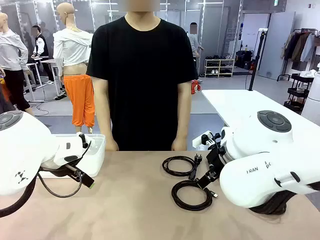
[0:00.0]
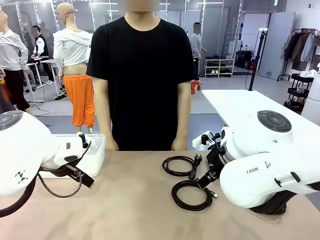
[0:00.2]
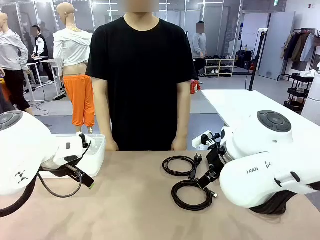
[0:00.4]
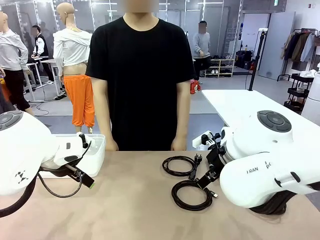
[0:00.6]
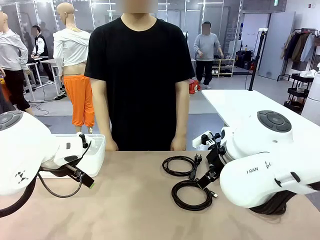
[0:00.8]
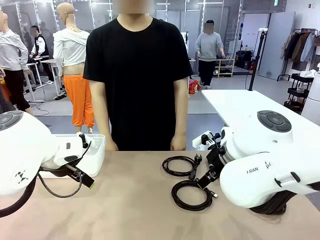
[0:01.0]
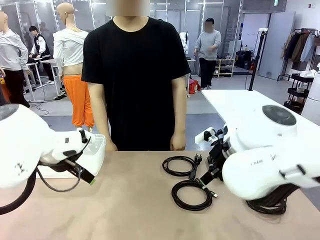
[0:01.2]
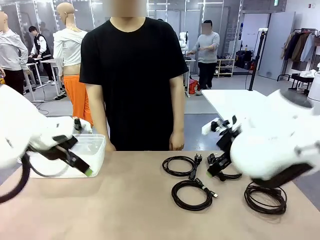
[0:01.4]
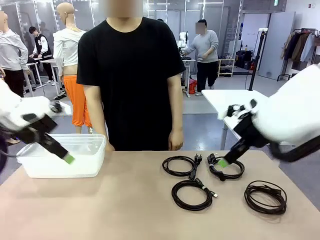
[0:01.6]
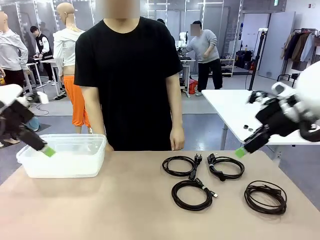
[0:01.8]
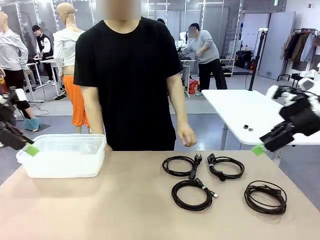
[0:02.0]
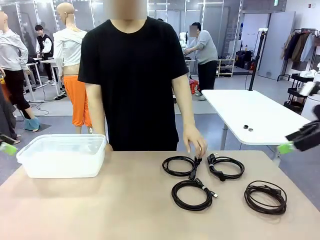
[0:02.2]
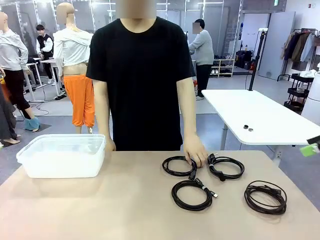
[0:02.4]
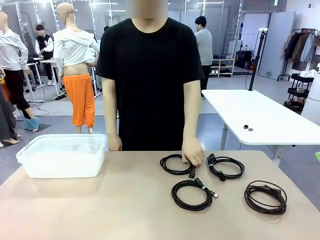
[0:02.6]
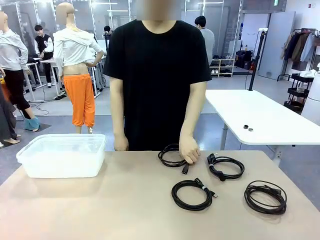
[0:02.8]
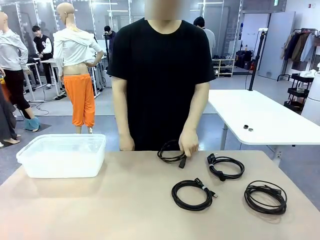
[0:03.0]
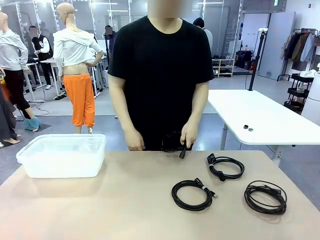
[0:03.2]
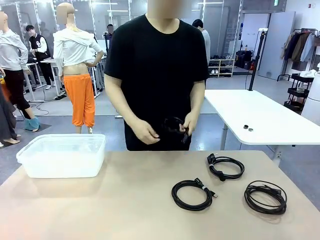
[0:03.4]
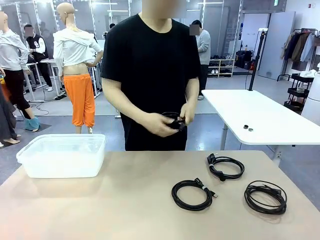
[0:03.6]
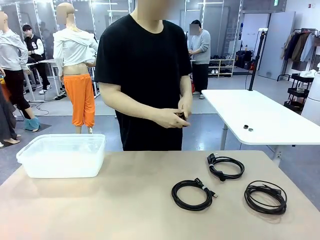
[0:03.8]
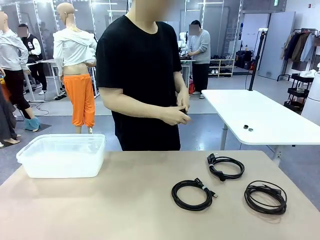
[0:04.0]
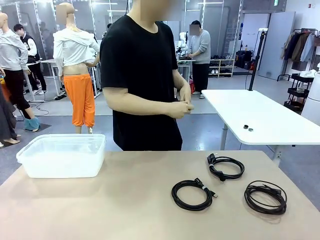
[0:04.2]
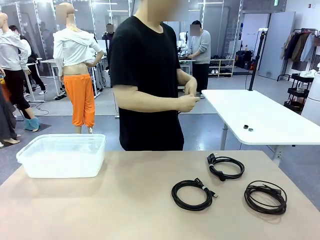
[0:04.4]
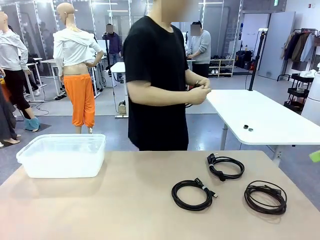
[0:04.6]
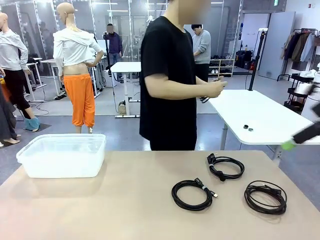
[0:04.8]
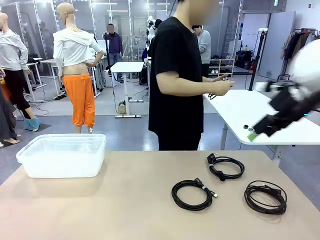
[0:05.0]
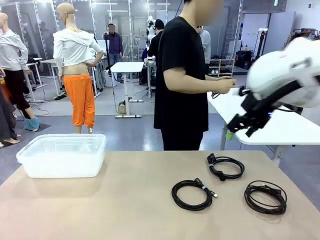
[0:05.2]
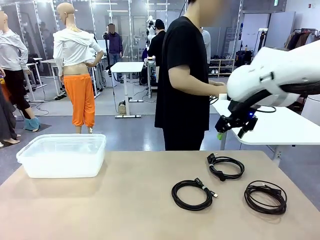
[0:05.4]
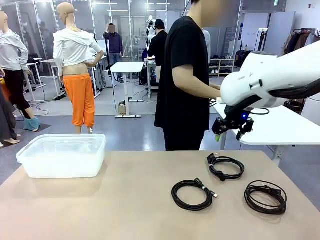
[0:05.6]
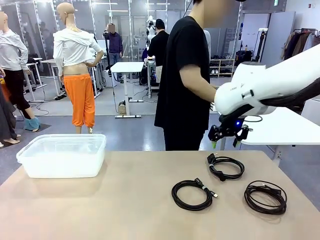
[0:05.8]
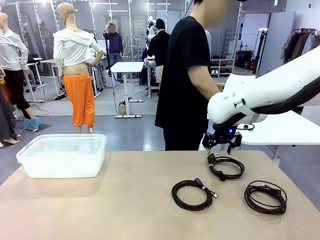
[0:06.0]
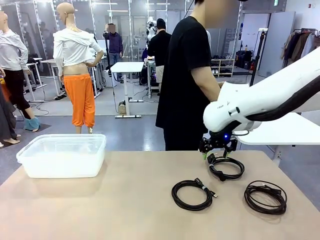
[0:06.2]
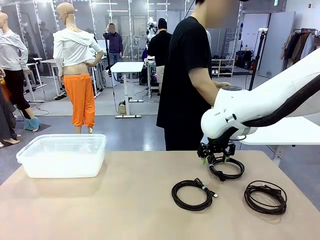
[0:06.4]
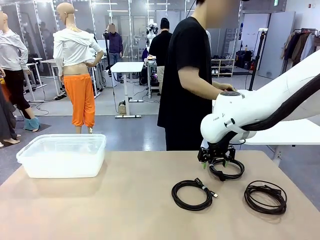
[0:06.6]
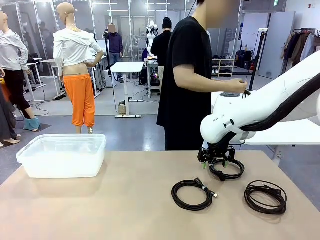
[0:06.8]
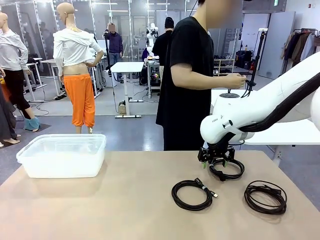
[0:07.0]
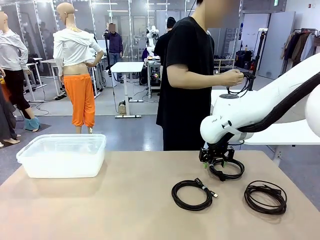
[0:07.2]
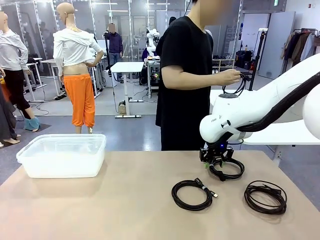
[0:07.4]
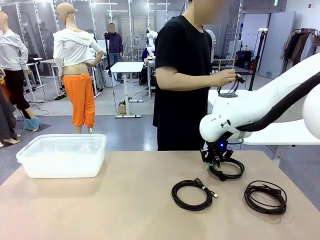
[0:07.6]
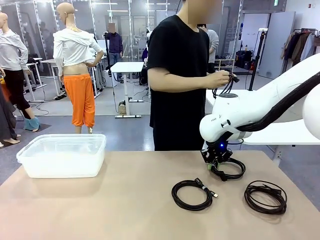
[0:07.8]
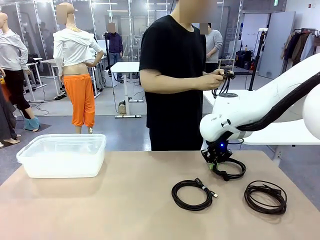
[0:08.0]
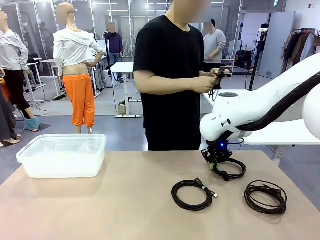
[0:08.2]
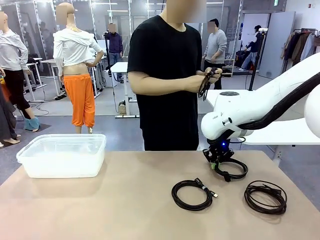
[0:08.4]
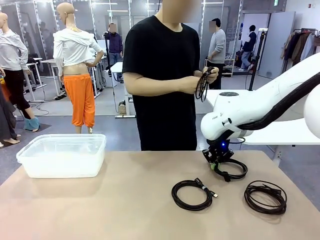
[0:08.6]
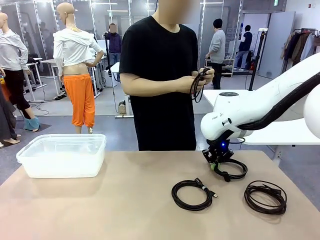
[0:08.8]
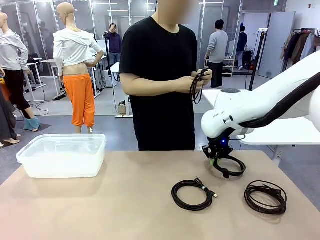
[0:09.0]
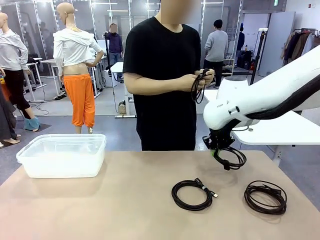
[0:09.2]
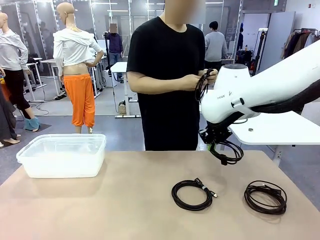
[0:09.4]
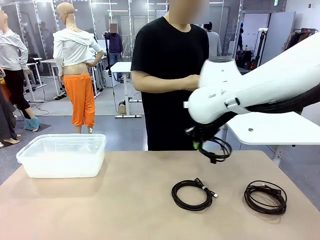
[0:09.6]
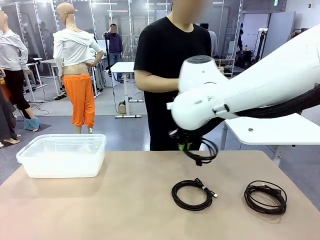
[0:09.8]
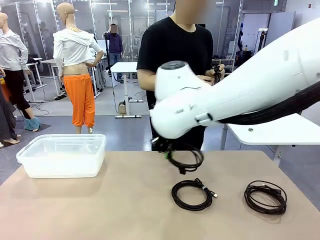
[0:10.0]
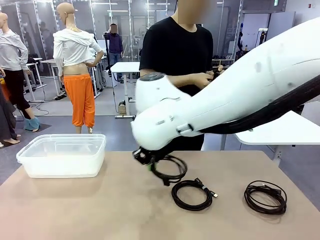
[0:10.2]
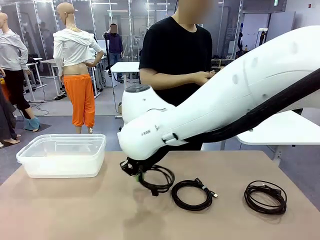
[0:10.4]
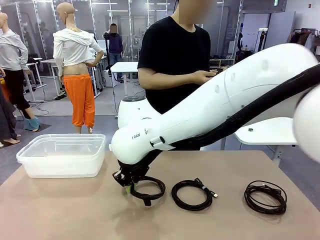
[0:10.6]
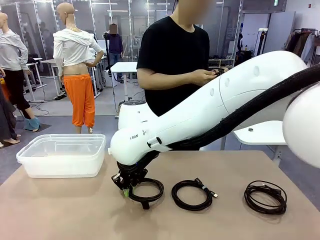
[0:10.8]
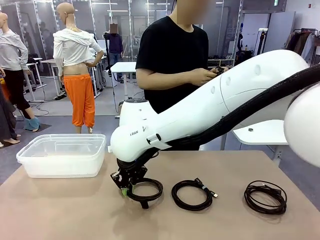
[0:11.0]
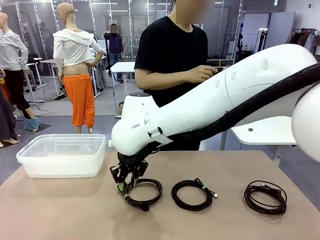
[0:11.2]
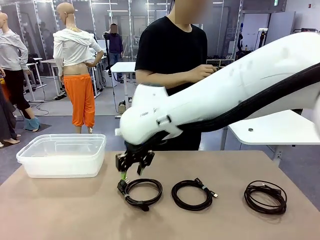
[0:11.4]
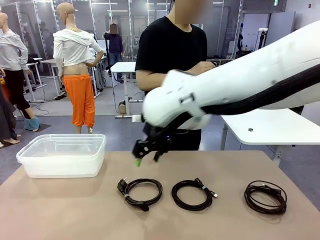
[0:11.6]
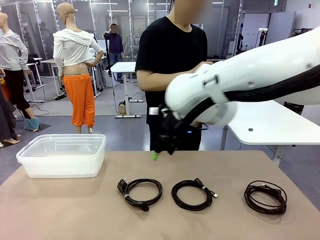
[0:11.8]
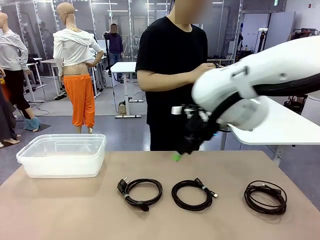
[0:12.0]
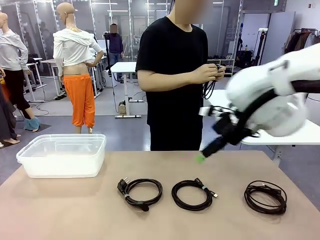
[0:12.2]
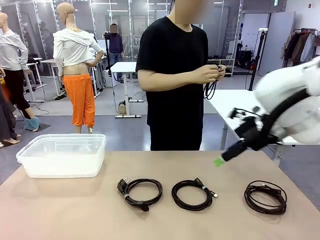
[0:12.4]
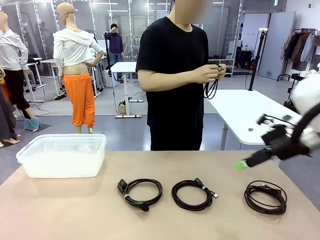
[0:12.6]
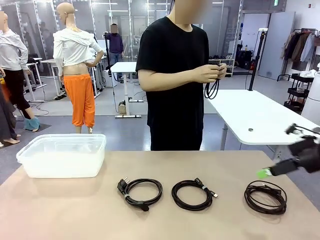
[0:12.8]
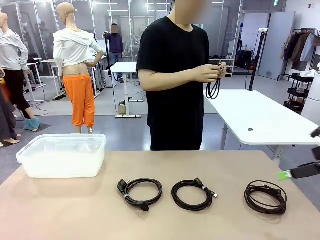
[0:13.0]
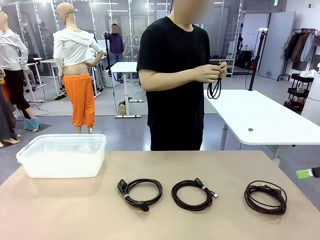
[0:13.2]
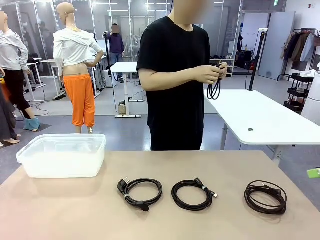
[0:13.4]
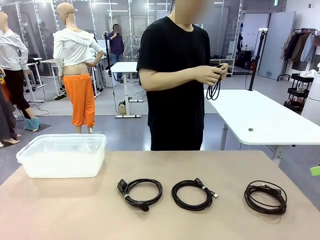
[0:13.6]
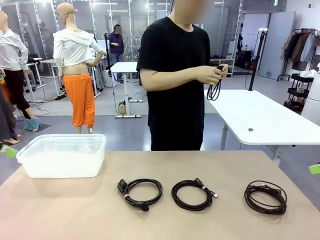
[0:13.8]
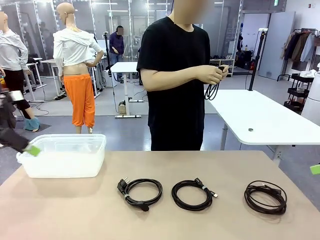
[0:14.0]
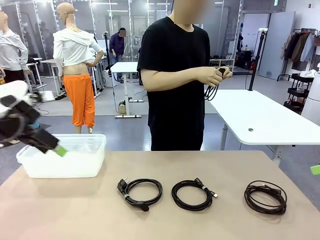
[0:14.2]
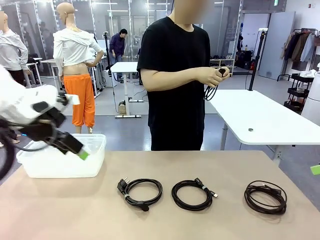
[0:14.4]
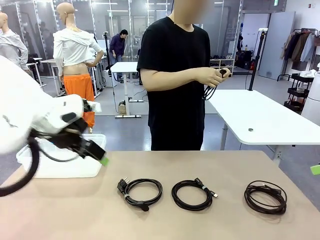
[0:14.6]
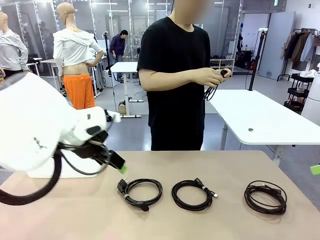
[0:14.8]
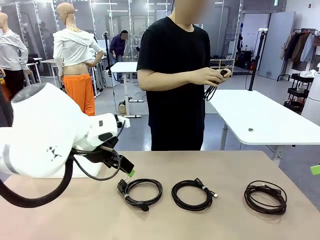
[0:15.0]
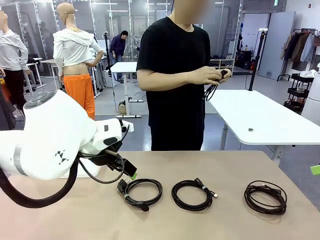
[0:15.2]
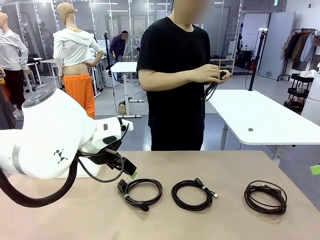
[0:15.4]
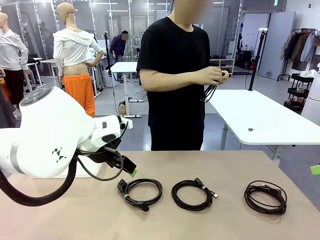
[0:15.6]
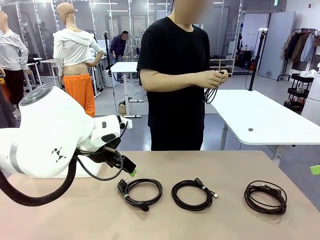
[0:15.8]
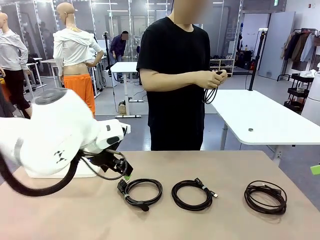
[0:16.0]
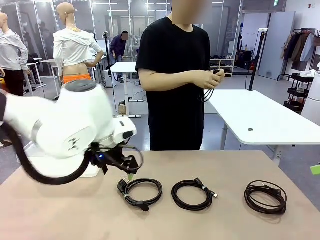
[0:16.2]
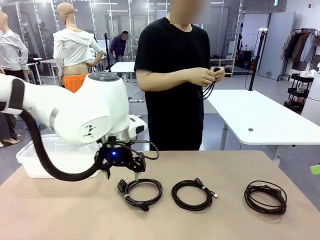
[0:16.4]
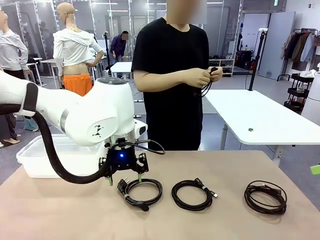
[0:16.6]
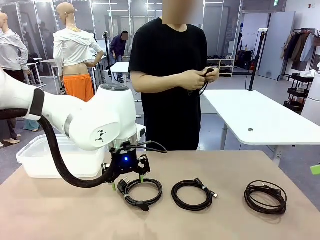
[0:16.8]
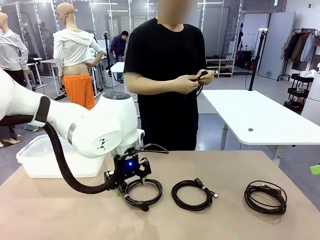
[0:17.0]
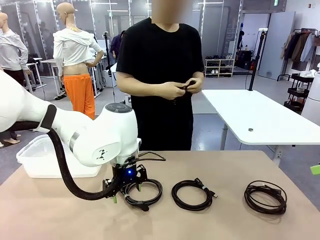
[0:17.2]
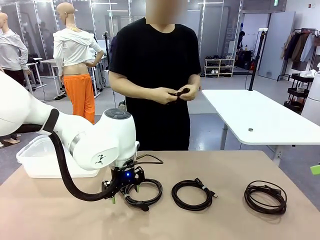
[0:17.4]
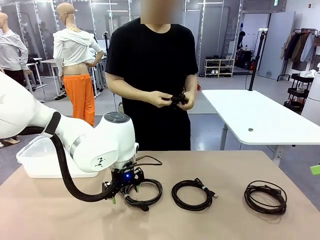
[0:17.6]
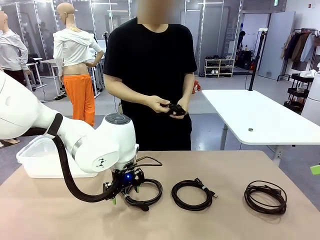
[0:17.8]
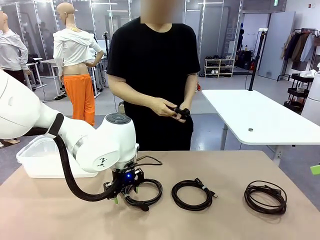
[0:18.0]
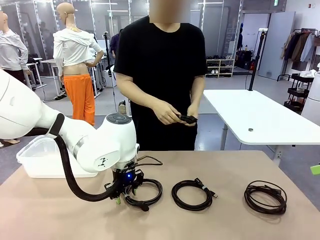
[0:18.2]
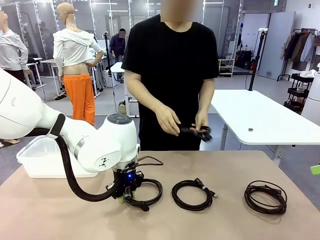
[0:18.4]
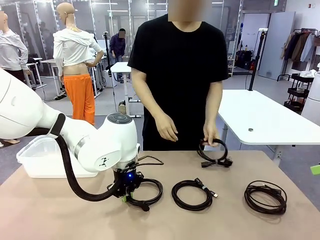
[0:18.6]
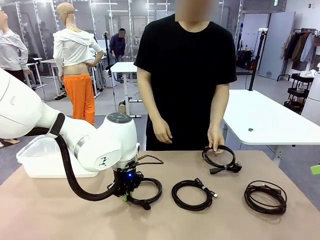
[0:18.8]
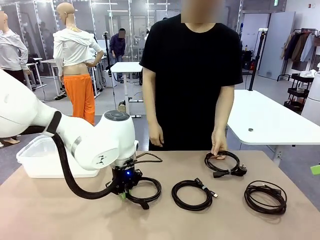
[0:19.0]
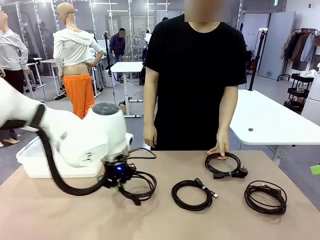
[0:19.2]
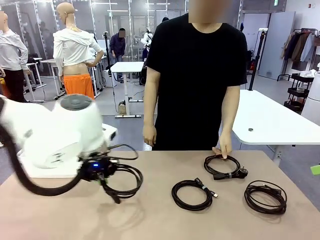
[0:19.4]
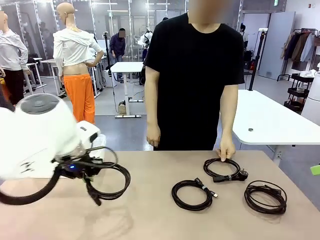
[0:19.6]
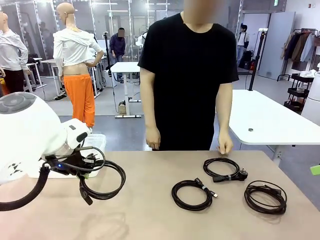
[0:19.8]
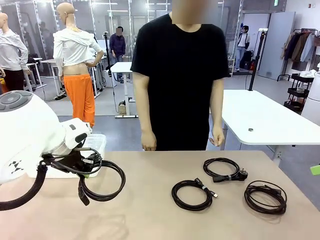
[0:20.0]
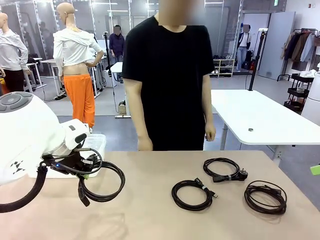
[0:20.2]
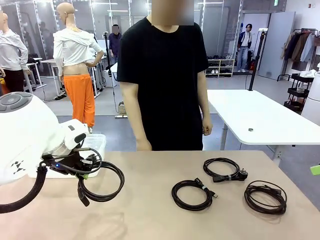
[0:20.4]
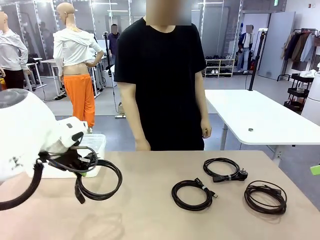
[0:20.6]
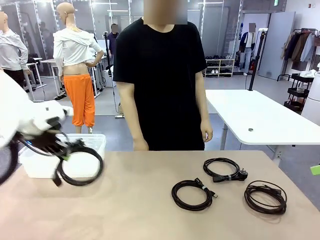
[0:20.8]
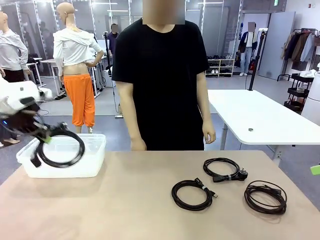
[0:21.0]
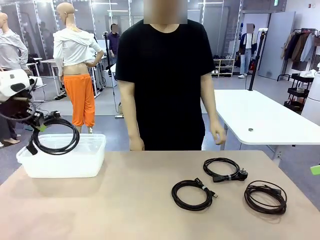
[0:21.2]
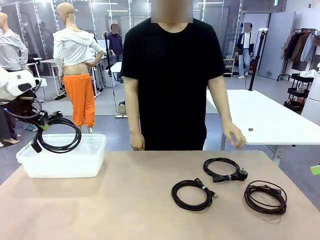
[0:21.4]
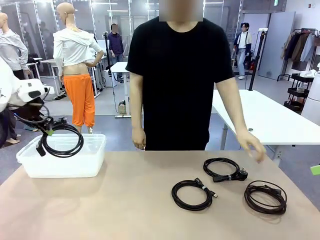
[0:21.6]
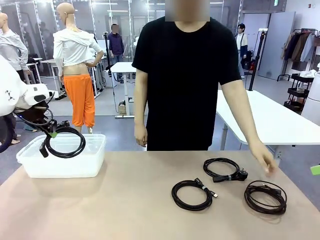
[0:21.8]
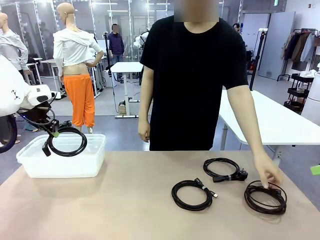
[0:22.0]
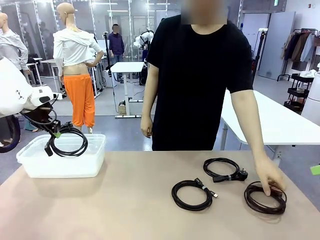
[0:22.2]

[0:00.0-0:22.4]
Task: Organize and store the cables.
Robot: Place the Power Cable into the Organizing box.
Person: Tie one Power Cable with a Reusable Cable Tie.
